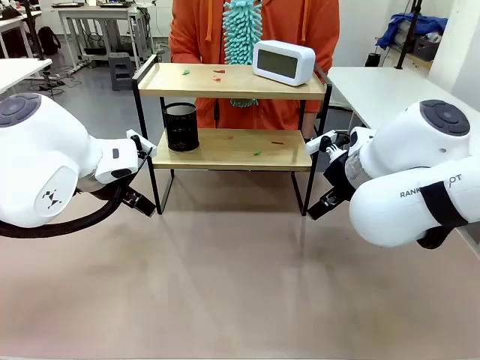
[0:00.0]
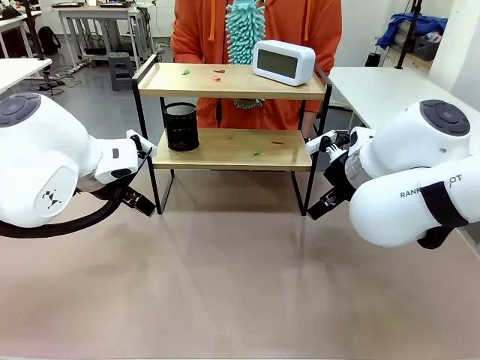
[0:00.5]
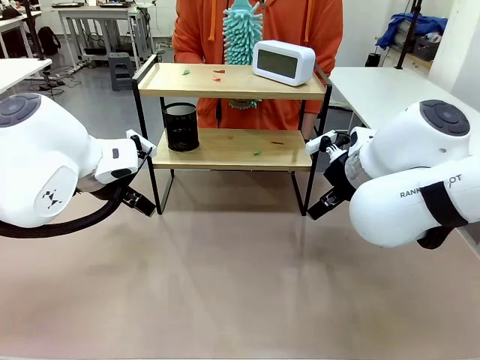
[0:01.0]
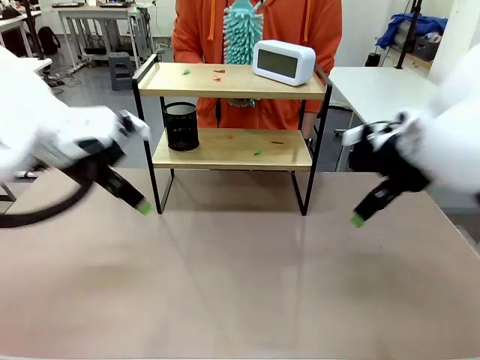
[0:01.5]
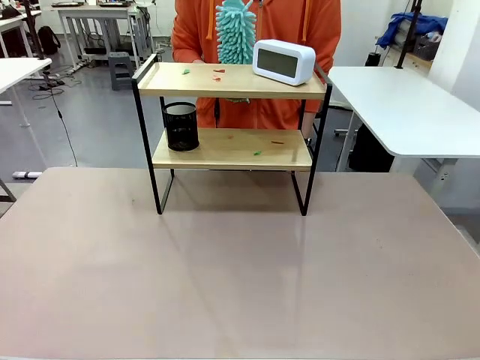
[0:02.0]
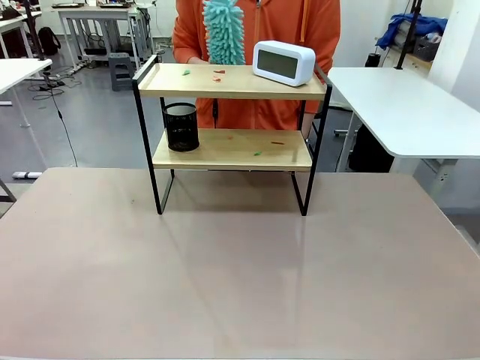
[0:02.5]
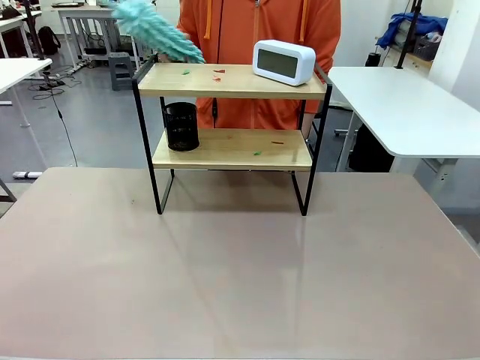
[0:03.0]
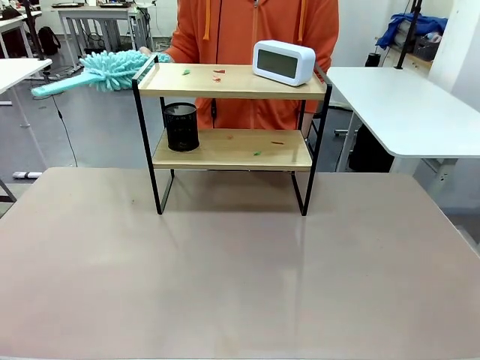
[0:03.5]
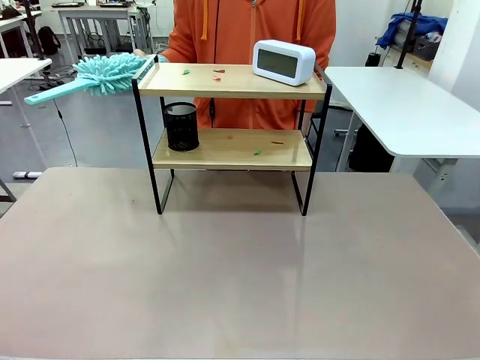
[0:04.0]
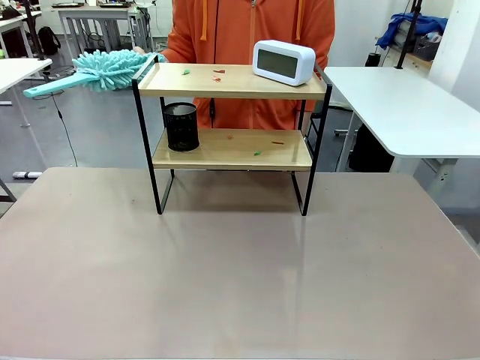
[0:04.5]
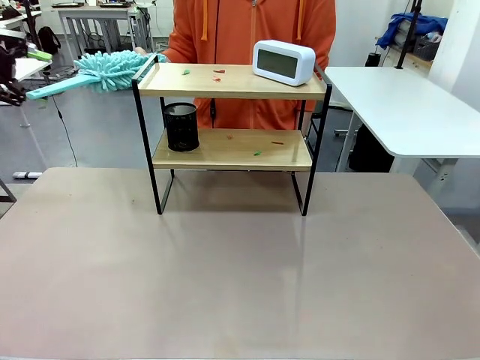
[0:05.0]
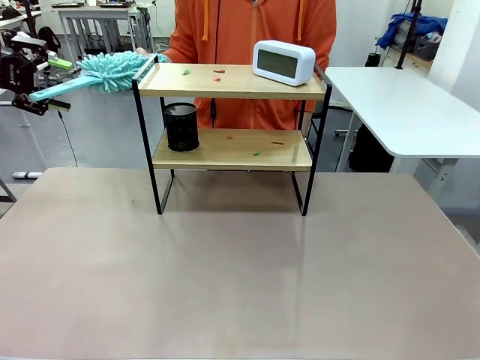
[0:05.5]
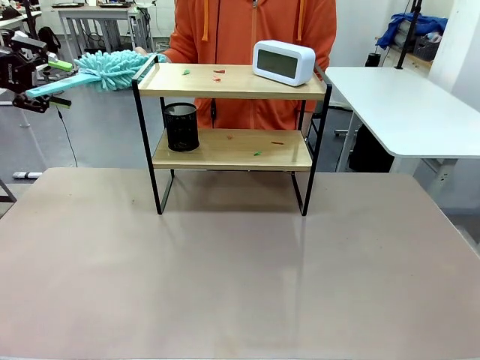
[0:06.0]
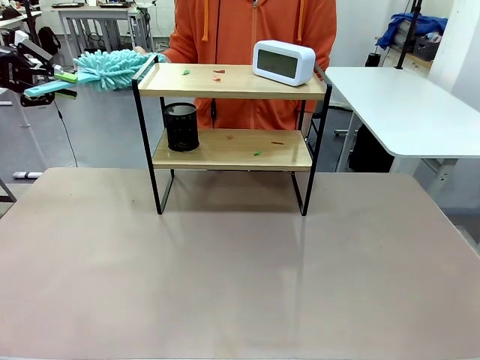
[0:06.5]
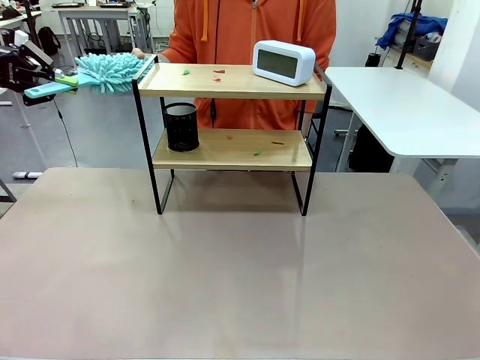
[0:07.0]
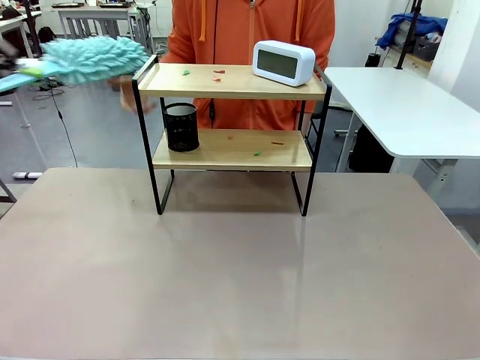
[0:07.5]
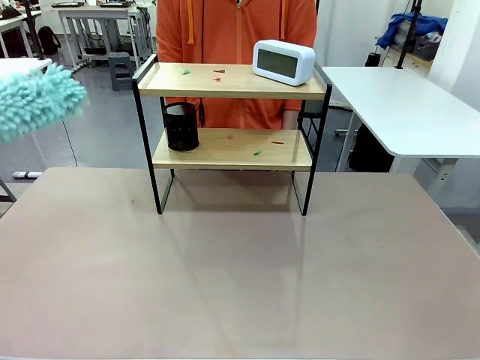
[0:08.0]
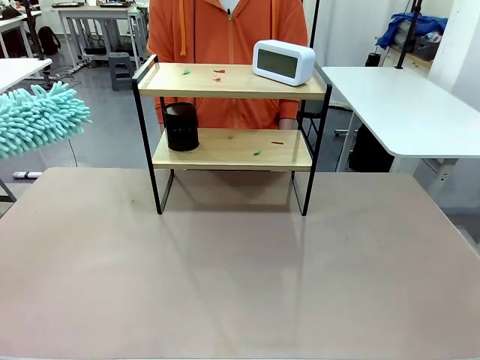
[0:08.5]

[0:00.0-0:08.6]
Task: Clean the shelf.
Robot: Pick up the Duster from the human.
Person: Hand the Duster to the robot.

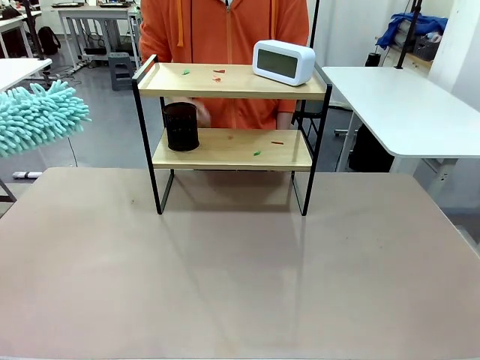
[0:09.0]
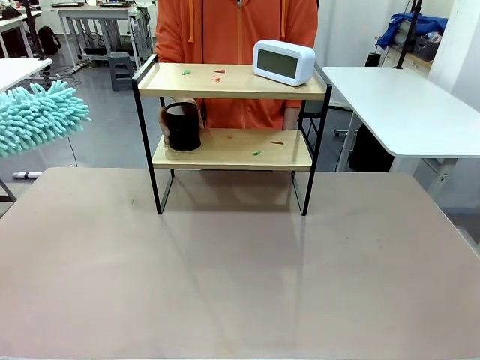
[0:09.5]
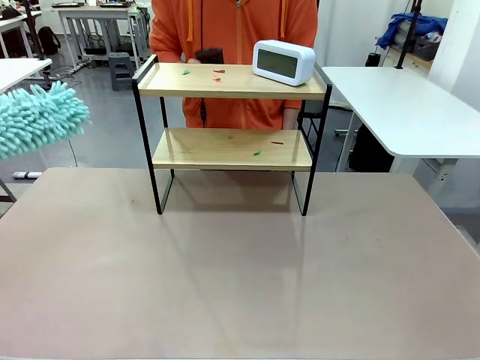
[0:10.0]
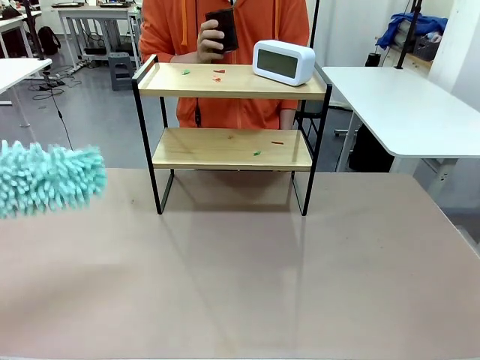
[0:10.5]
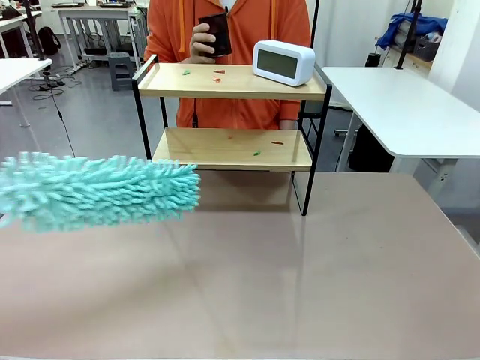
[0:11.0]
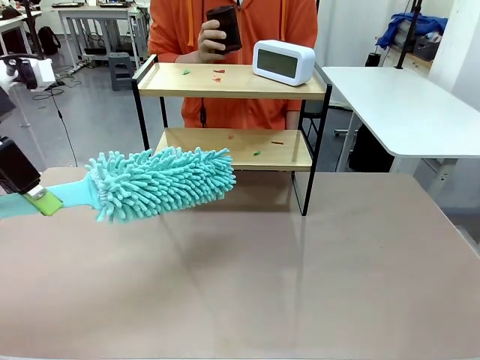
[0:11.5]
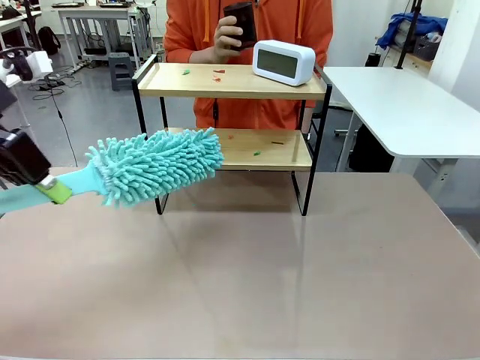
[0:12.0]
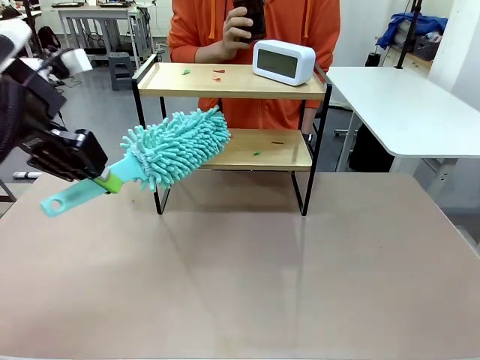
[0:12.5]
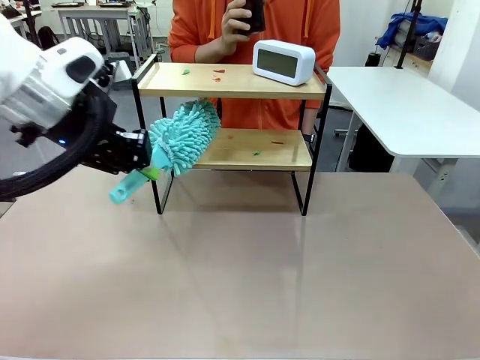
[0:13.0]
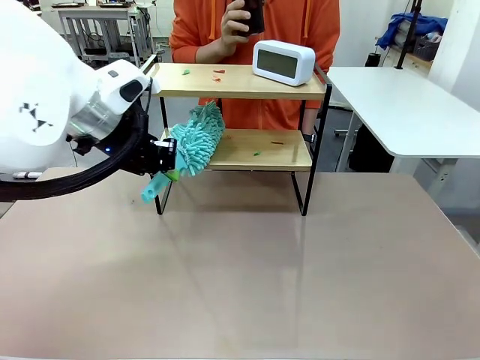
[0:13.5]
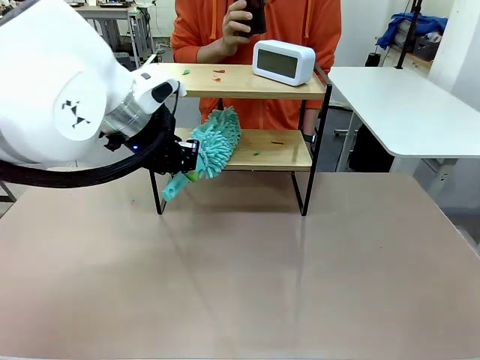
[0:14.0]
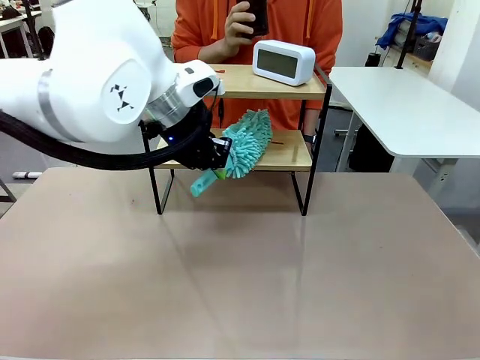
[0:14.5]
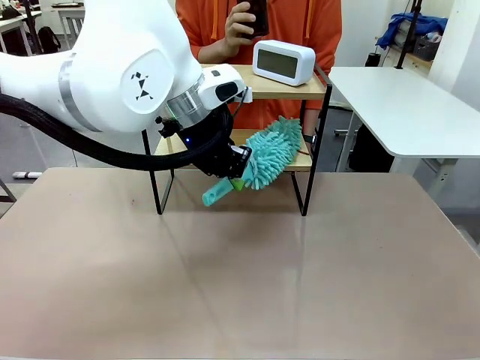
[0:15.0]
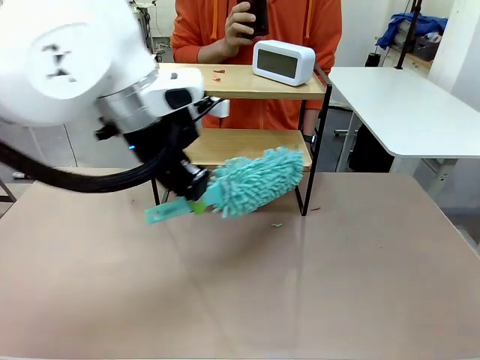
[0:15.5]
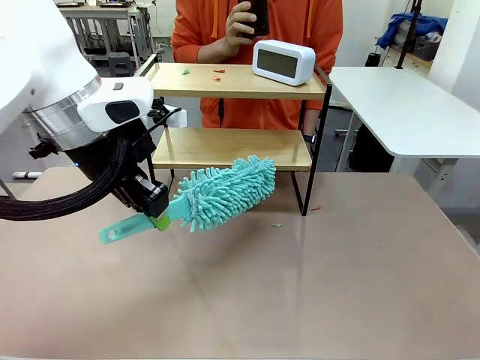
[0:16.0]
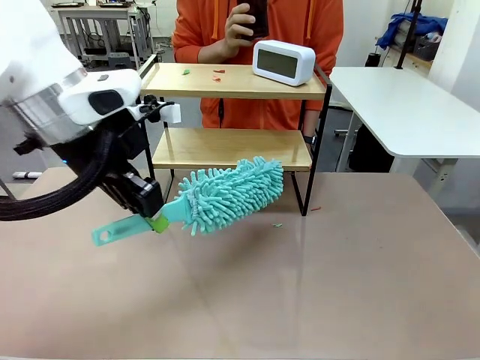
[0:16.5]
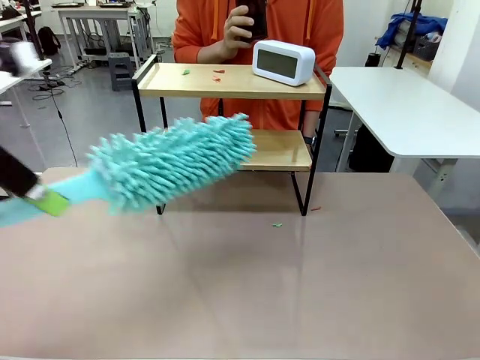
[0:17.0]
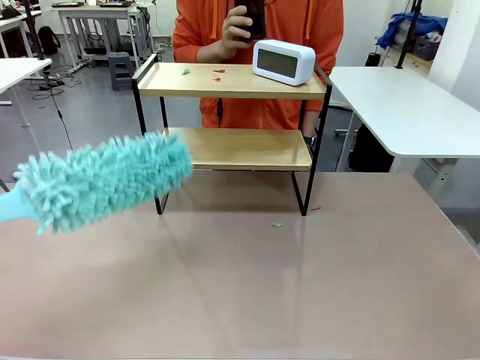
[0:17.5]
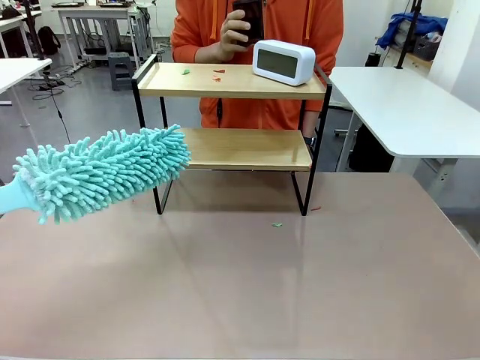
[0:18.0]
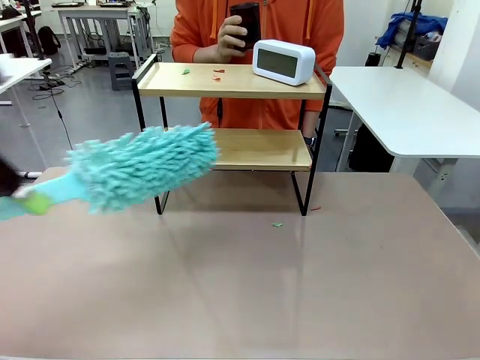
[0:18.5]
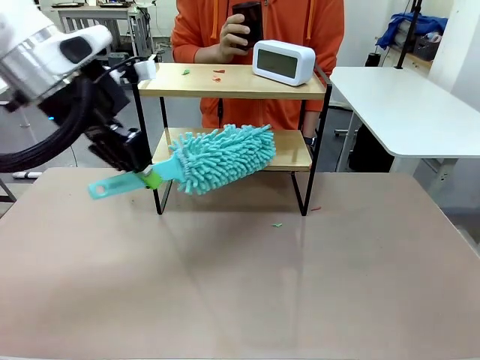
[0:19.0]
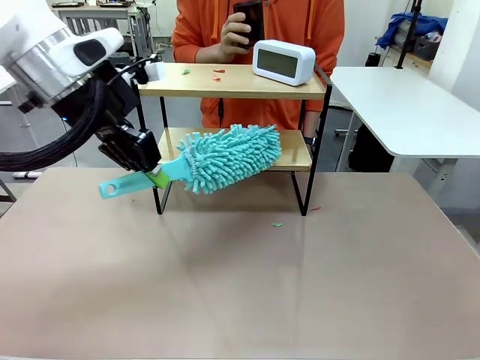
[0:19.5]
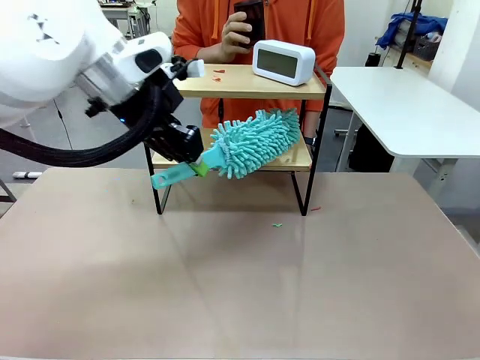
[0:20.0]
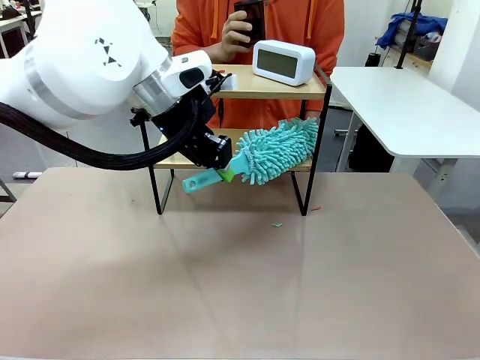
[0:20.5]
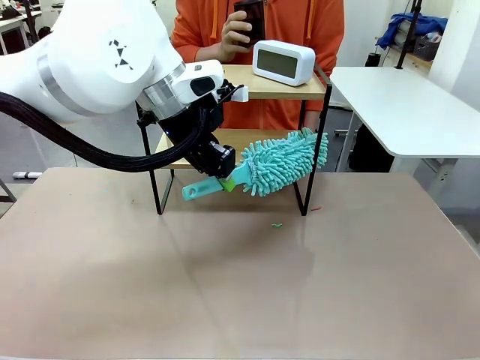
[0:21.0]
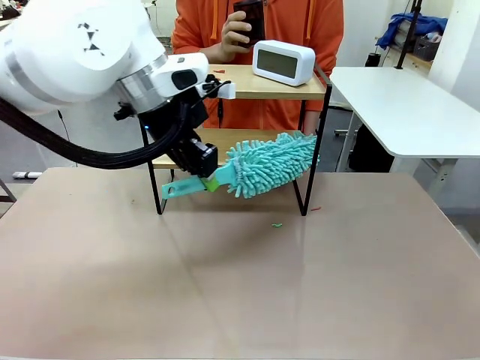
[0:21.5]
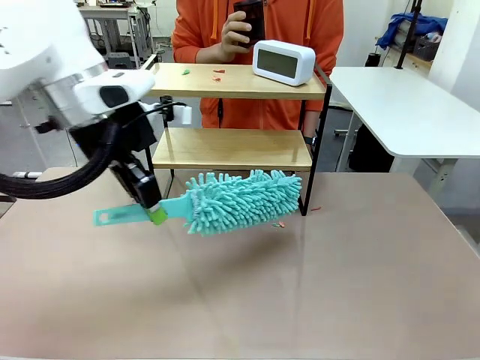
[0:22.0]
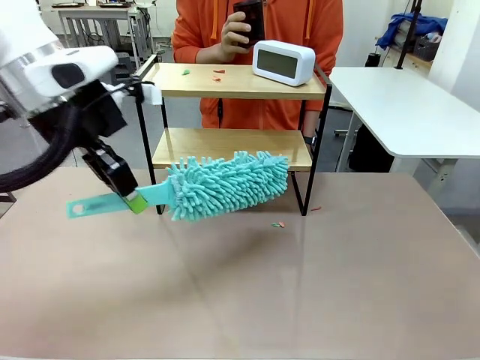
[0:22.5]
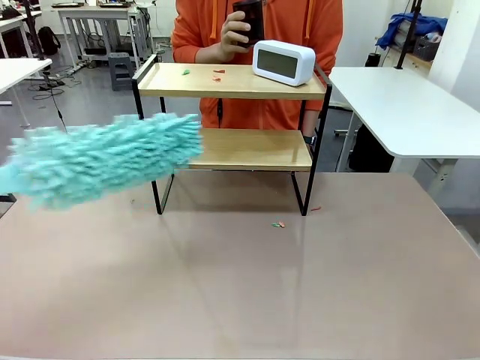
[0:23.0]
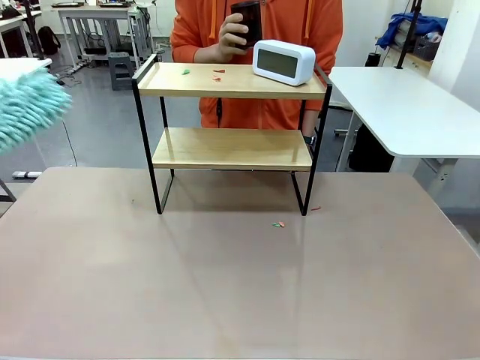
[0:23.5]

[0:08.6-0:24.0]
Robot: Clean the specific tier of the Shelf with the Duster once objects are removed.
Person: Lift the objects on a randomly selected tier of the Shelf. Once the robot finishes cleaning, lift the objects on the remaining tiers of the Shelf.
